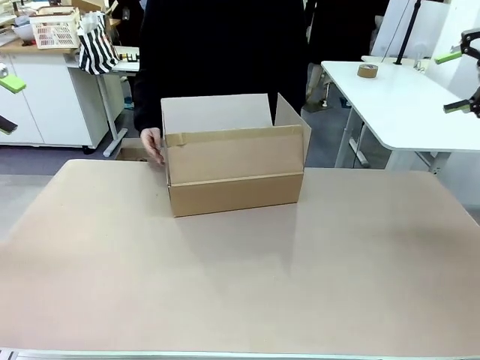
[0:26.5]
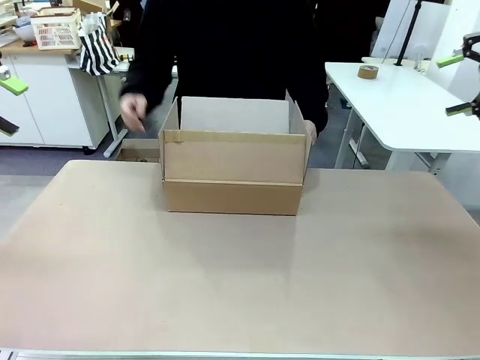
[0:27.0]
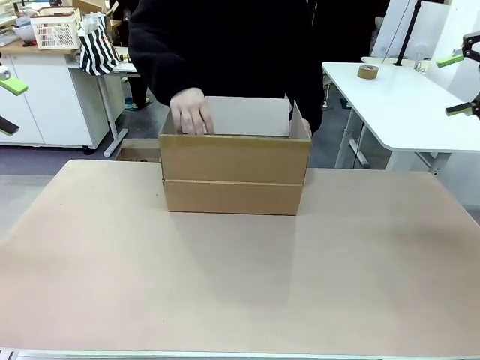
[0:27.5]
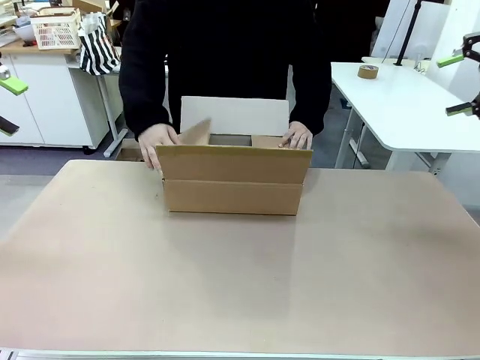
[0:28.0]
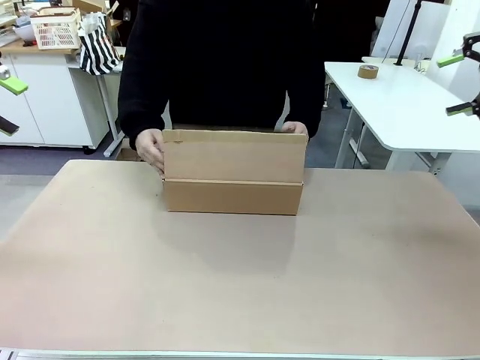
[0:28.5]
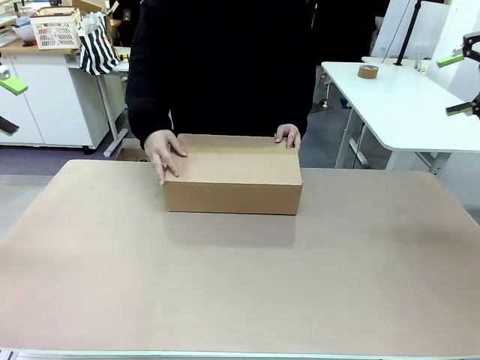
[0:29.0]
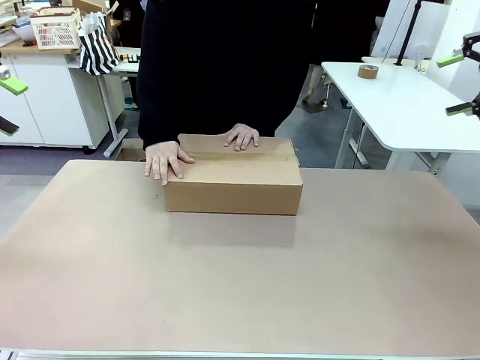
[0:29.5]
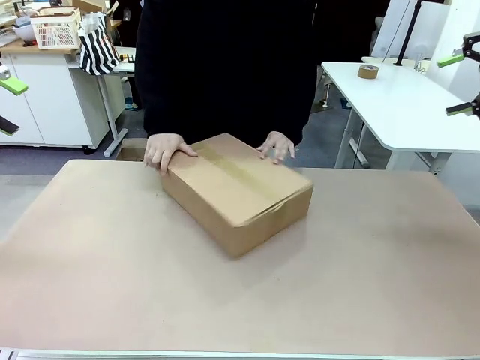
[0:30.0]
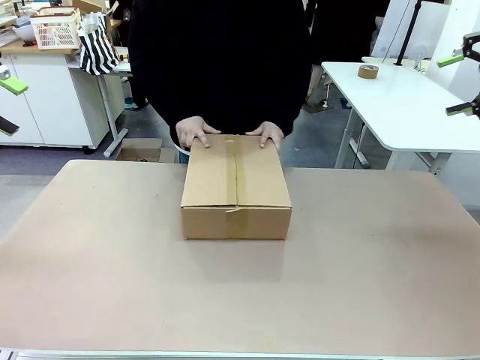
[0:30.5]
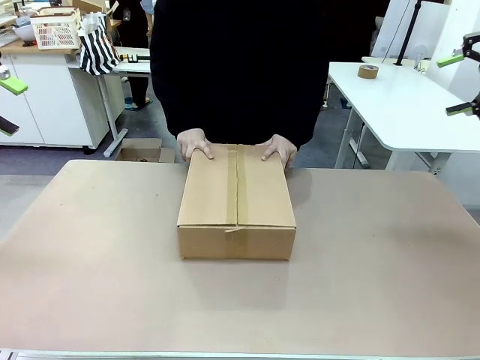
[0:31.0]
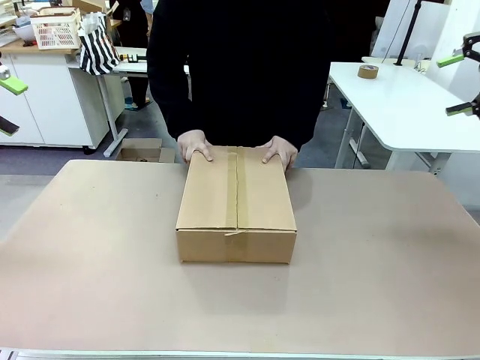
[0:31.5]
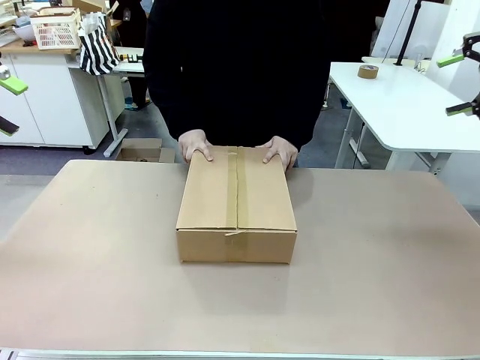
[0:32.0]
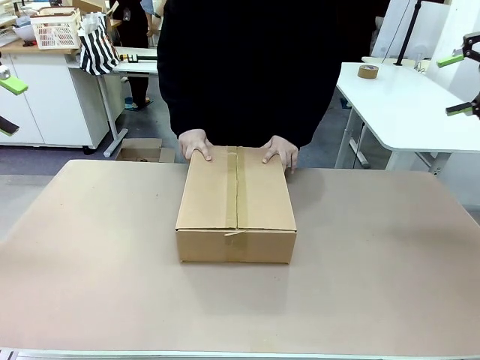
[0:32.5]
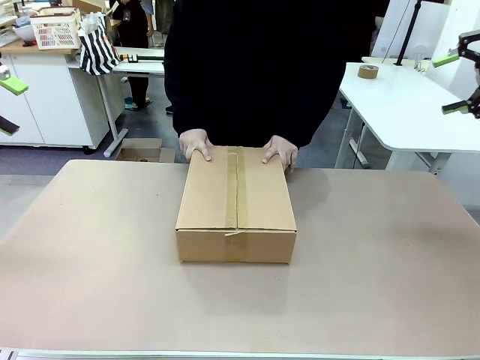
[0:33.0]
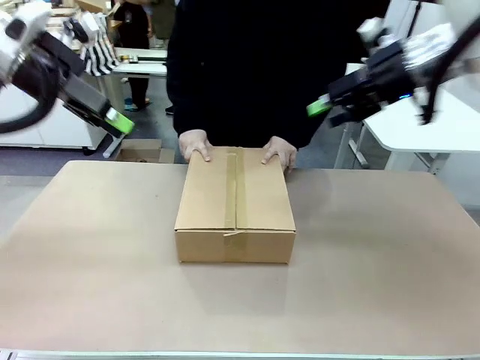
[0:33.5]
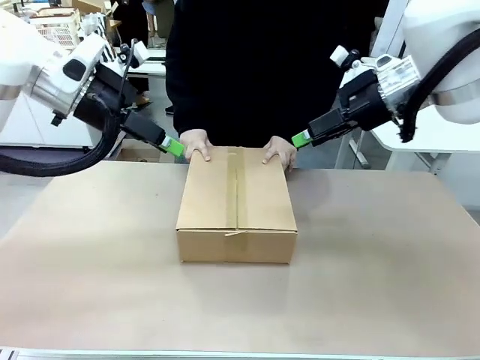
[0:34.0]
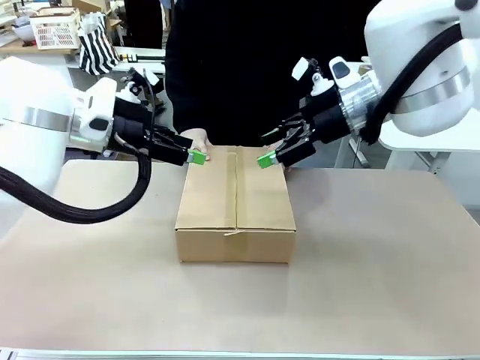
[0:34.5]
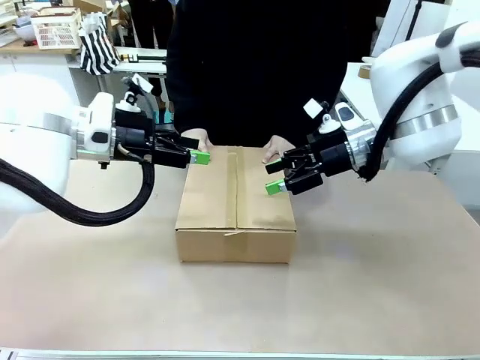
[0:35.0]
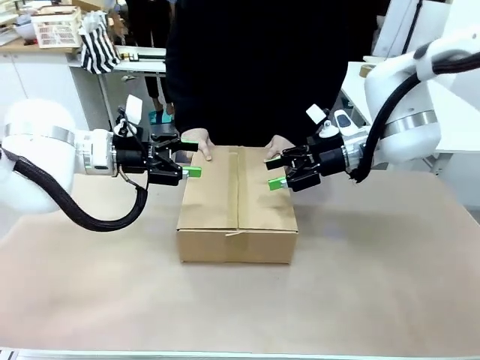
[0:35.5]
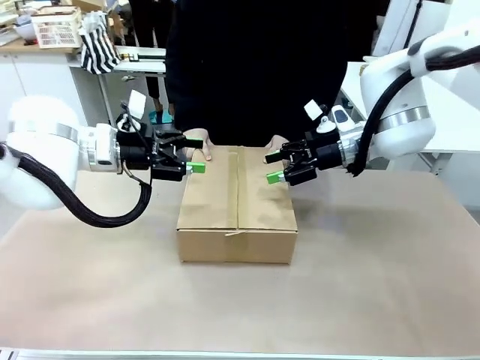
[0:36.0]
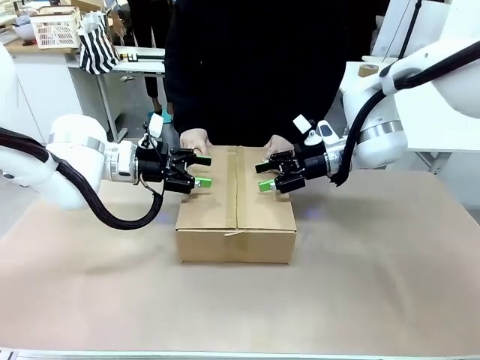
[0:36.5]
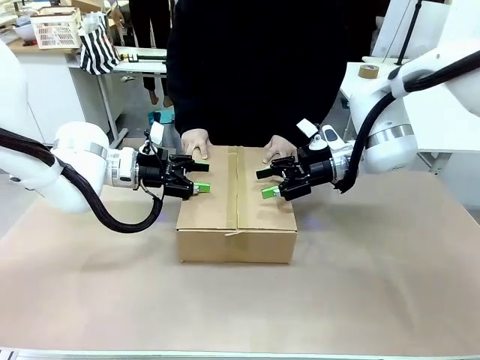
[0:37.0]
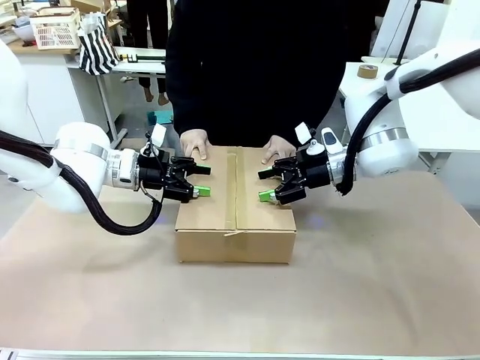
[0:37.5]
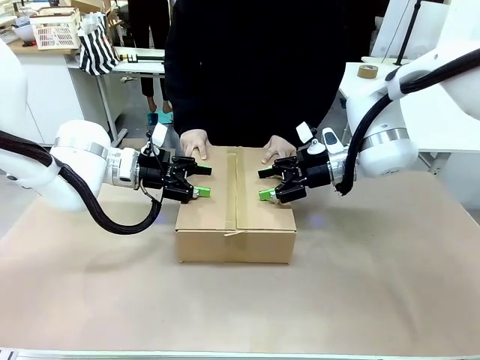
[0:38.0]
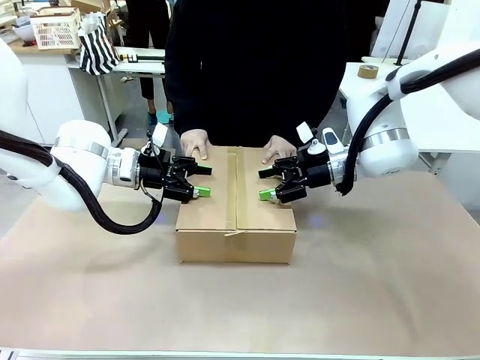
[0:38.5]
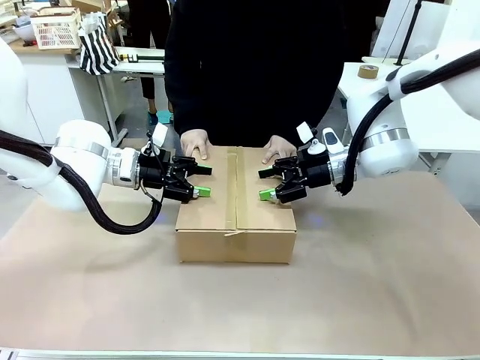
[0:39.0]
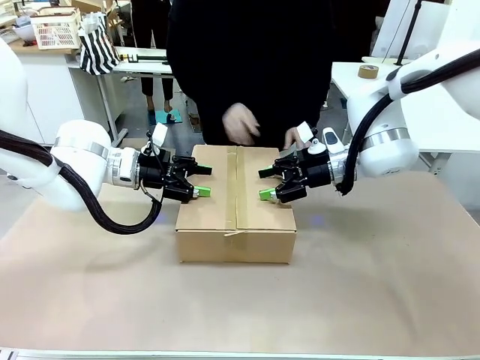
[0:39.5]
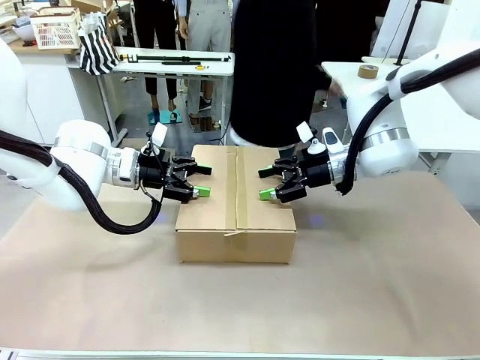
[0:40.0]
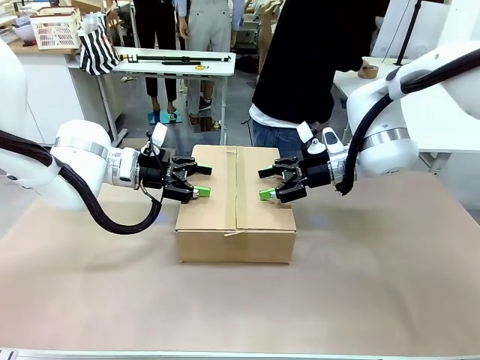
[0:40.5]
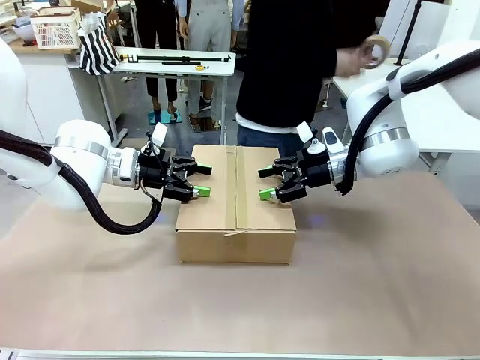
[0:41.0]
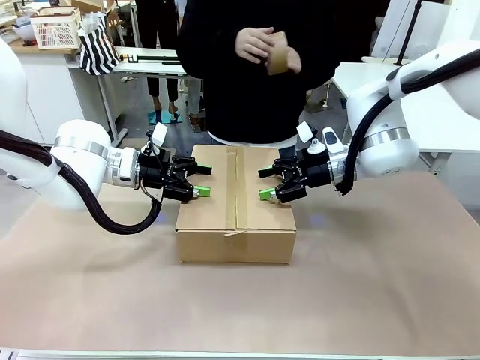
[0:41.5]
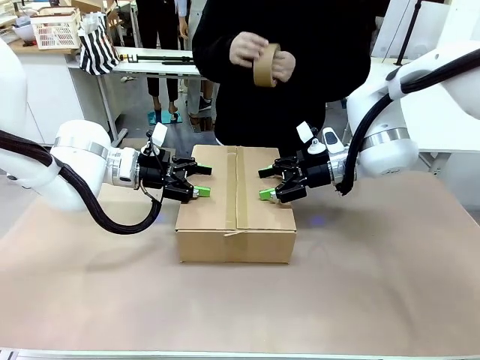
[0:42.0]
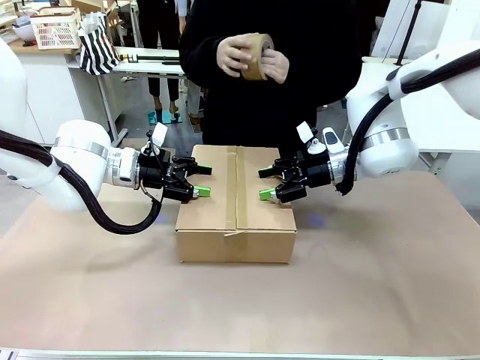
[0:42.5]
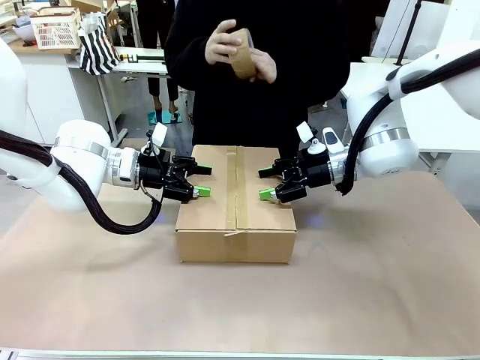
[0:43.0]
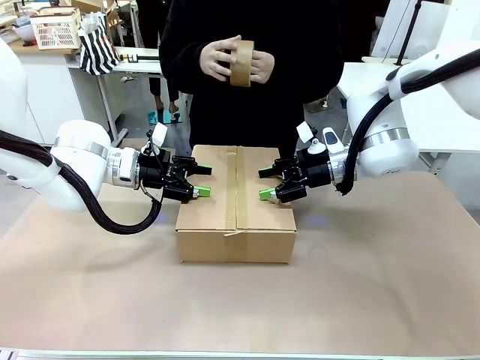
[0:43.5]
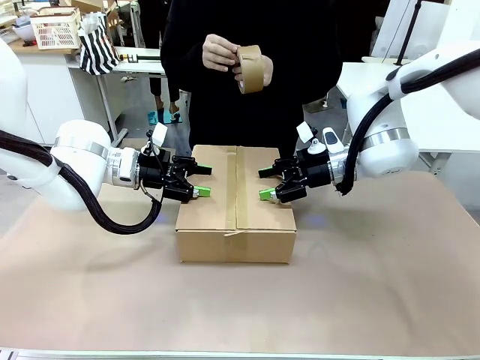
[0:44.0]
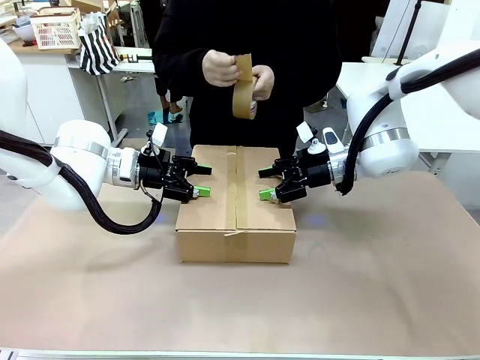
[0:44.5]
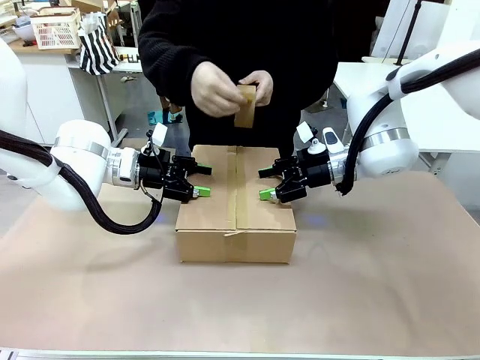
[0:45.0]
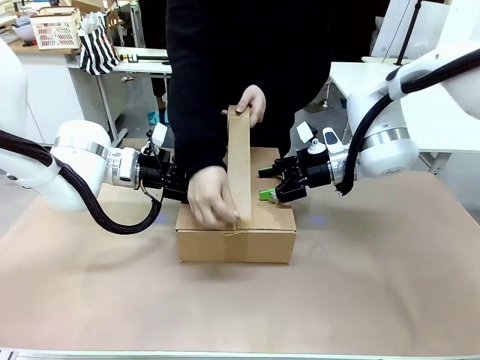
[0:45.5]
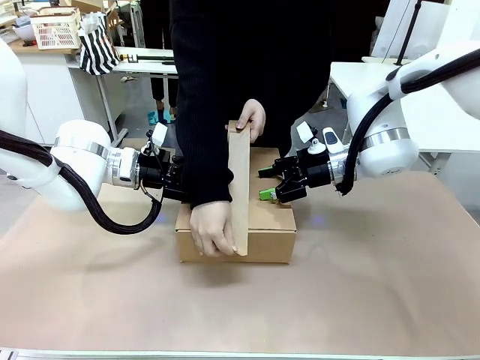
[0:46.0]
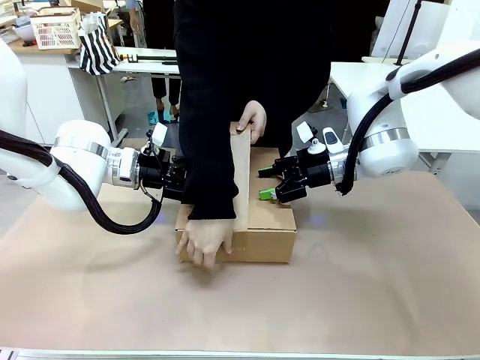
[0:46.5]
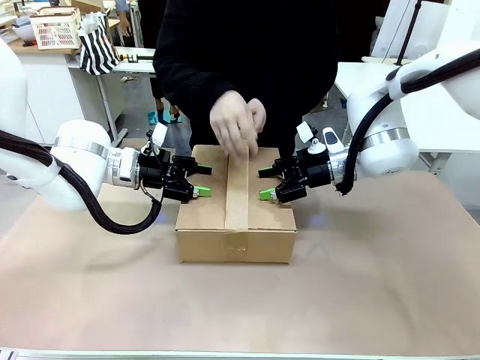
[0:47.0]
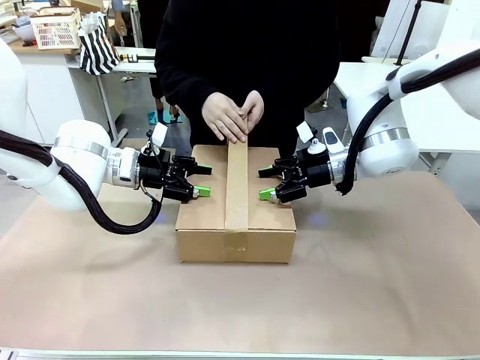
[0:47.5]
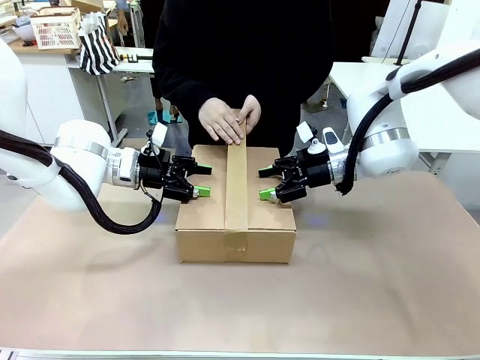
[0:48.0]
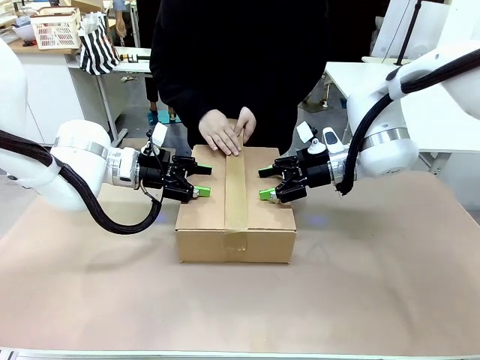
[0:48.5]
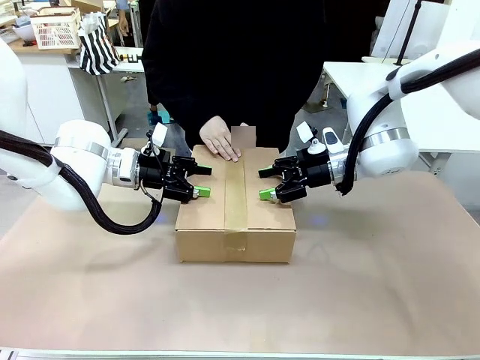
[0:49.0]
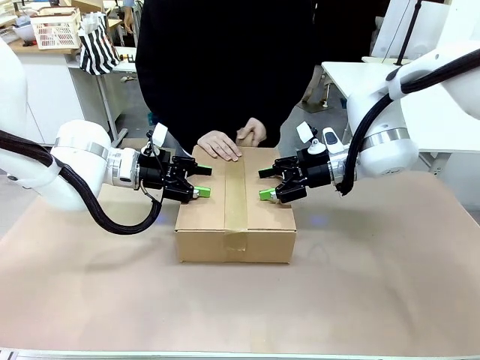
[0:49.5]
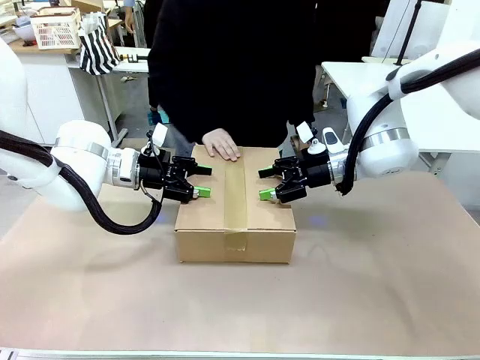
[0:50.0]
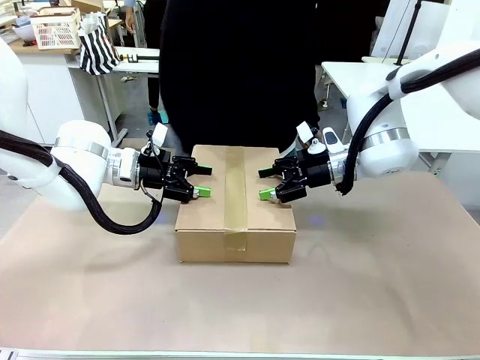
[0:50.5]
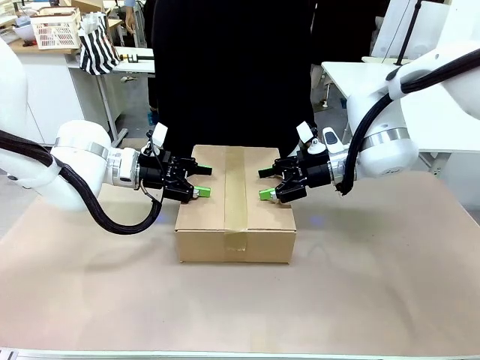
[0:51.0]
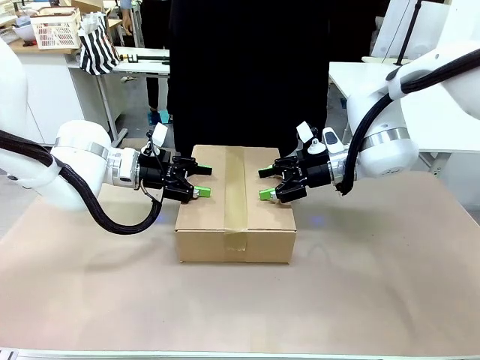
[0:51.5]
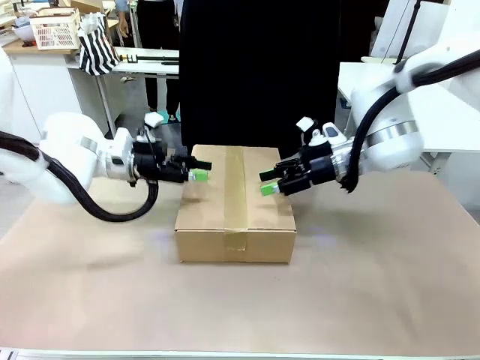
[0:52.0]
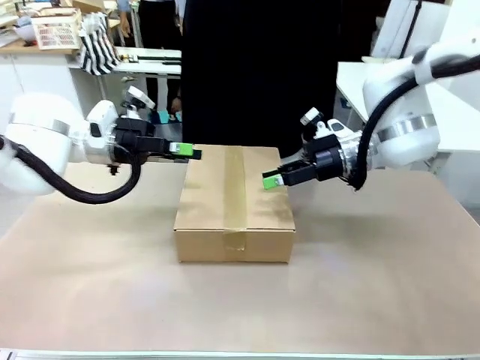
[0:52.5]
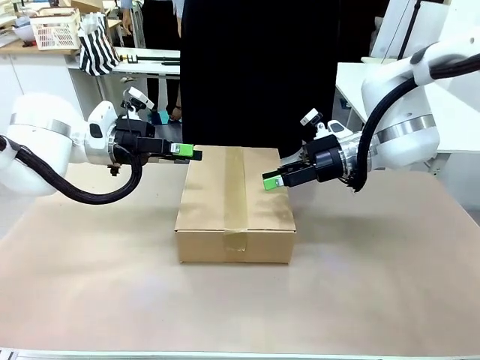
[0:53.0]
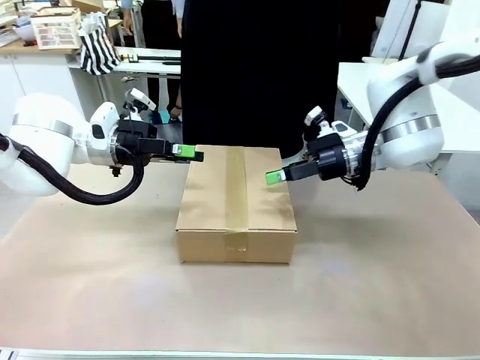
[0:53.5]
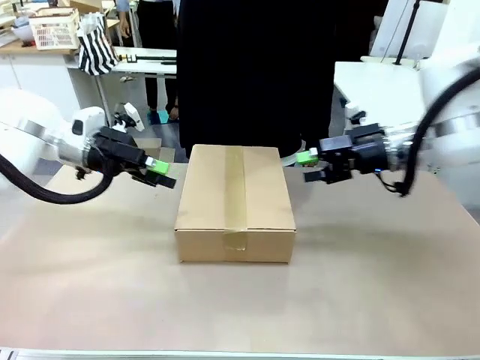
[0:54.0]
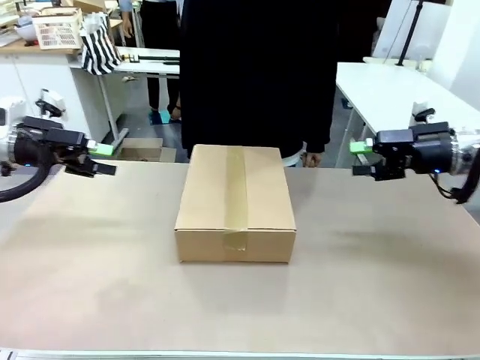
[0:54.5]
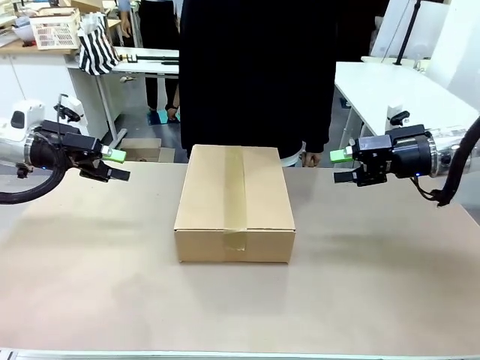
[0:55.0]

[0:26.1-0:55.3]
Task: Pack the gift set into the box.
Robot: Press and hold the closed box until the human finishes sealing it.
Person: The human closes the box and rotates the box by 90 degrees. The human picks up the paper tape from the human table and packs the box.
